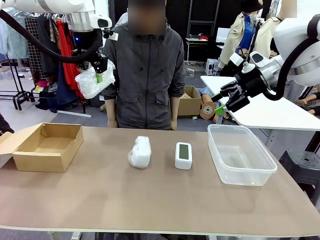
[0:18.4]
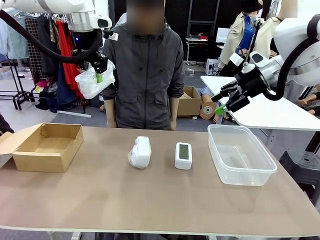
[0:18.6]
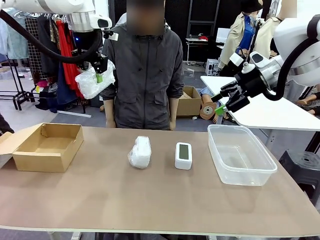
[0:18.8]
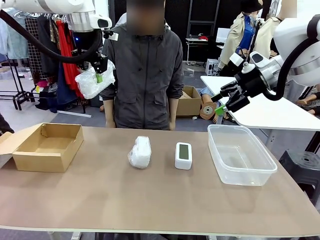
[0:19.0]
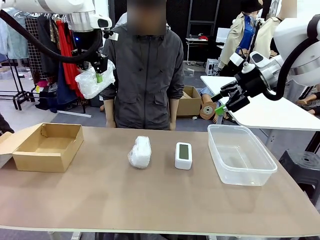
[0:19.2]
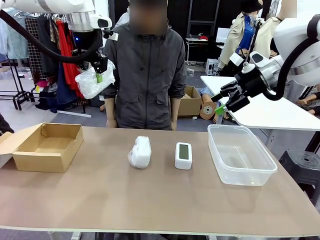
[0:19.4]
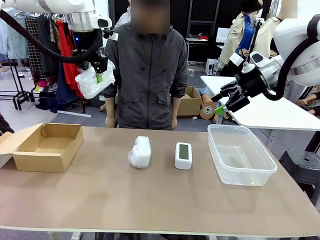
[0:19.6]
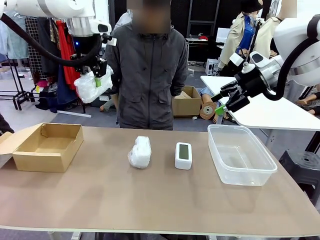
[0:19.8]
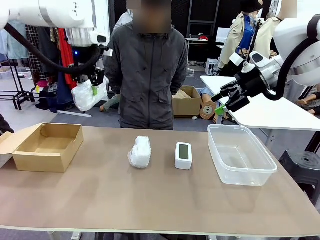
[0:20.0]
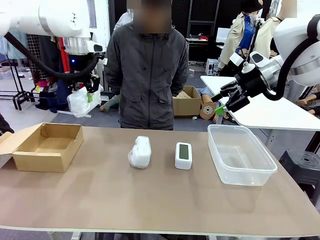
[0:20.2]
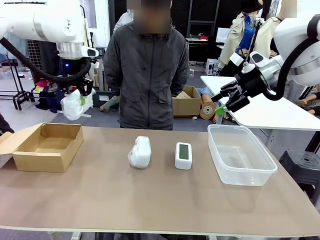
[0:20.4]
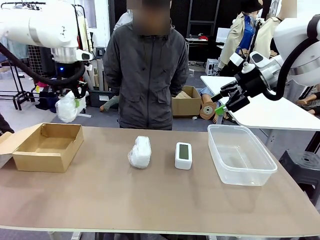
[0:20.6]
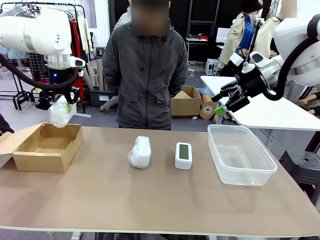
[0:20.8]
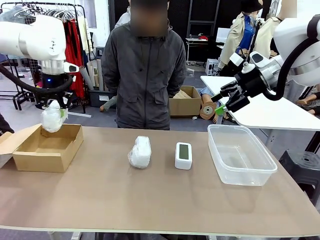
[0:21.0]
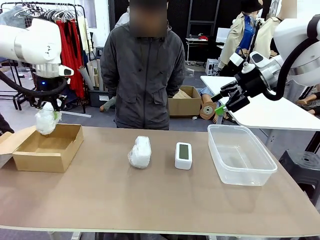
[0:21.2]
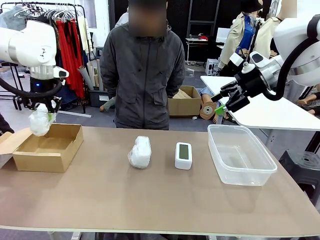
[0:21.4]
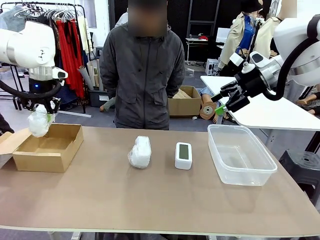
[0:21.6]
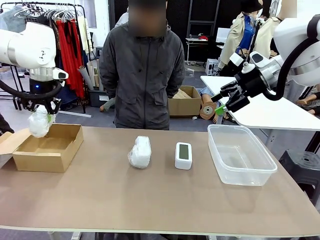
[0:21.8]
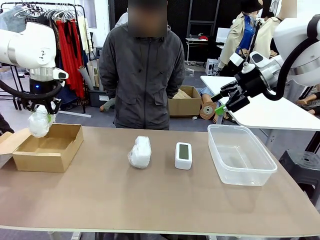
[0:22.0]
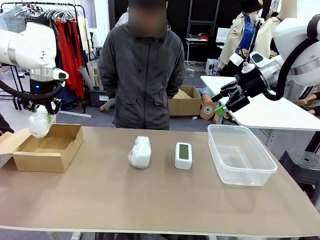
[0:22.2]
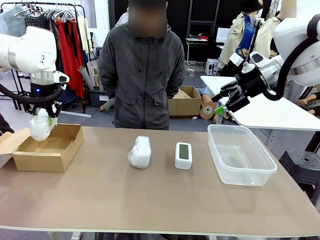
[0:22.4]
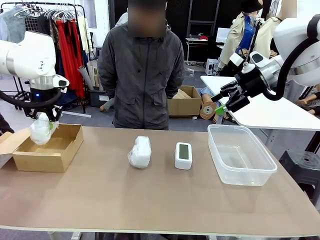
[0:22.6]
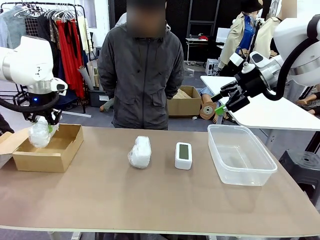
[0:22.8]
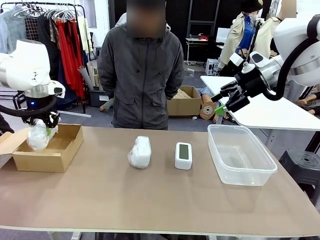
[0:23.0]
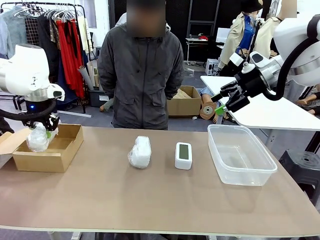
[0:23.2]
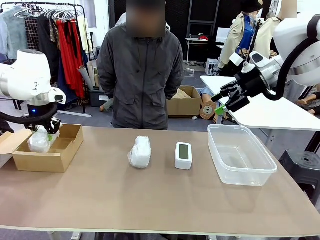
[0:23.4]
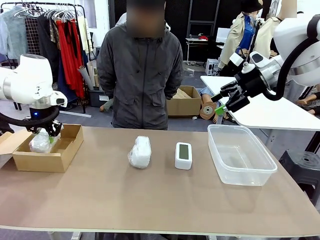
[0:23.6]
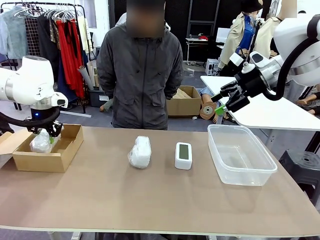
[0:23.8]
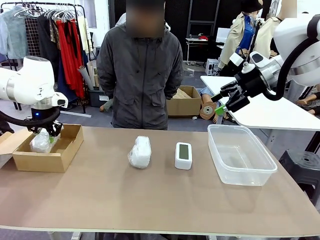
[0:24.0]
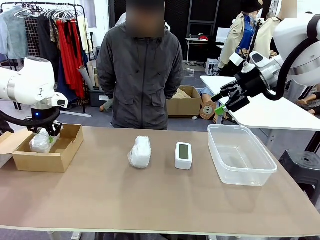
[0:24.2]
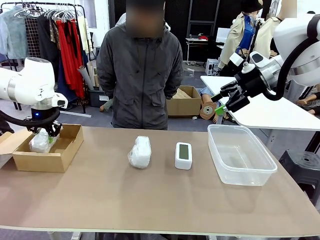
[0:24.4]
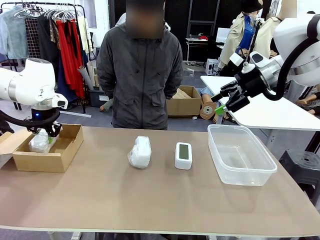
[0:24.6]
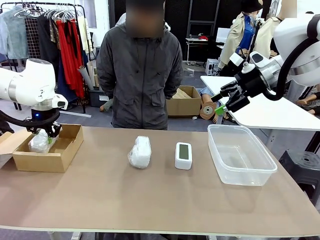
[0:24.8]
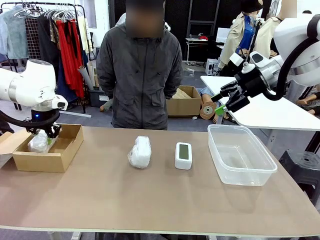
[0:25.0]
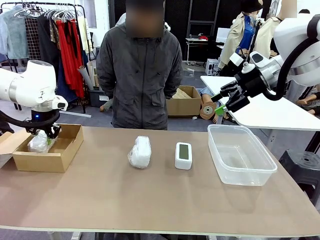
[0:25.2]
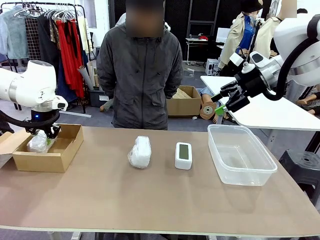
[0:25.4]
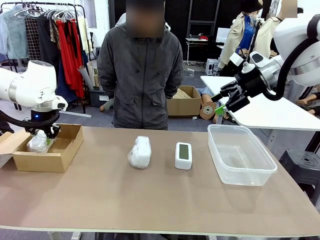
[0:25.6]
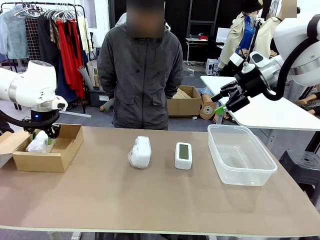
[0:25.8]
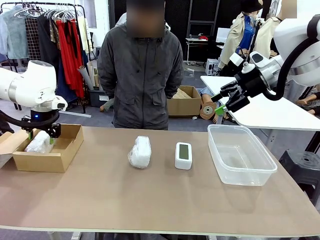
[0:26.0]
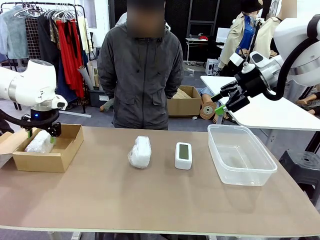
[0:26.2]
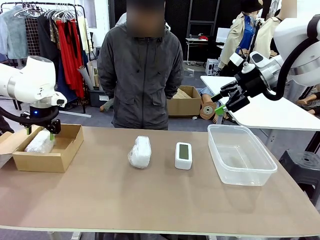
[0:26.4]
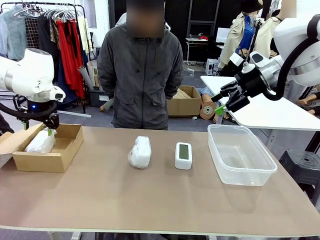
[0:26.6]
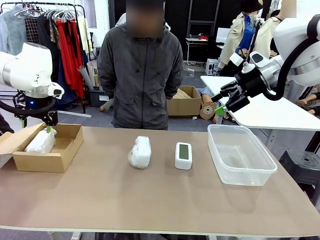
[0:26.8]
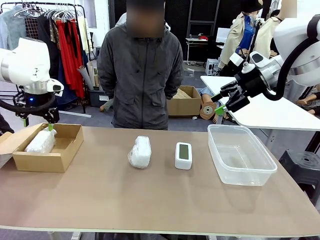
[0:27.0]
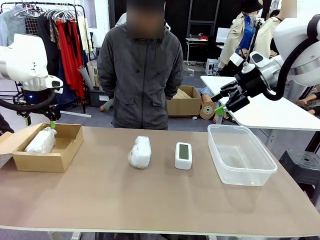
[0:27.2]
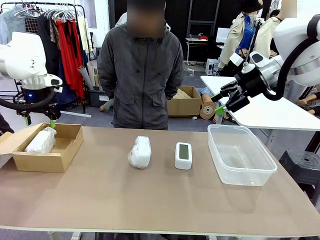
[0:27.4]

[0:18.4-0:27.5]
Task: Separate and place wrapped and unwrapped clocks.
Robot: If the picked Digital clock is wrapped, place it in the Package Box ; if not, place it in the Organizing box.

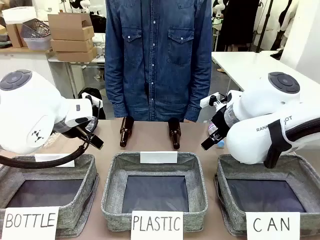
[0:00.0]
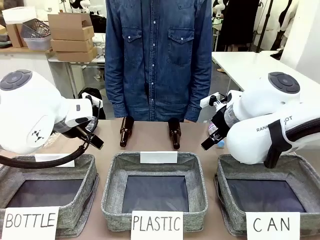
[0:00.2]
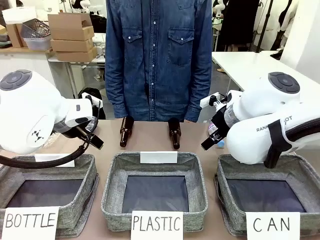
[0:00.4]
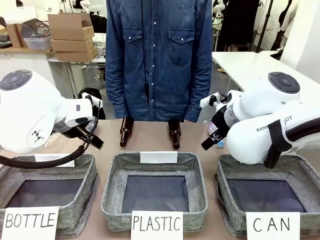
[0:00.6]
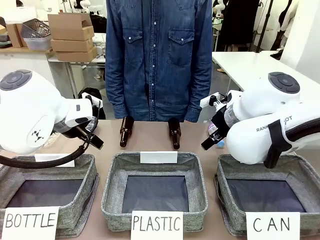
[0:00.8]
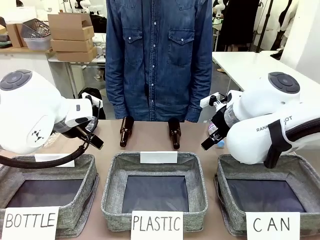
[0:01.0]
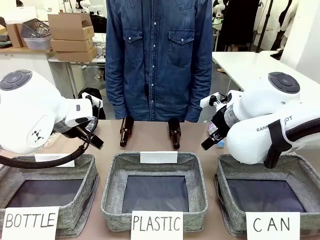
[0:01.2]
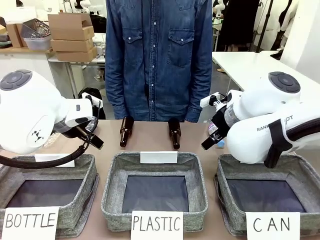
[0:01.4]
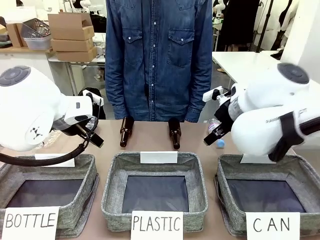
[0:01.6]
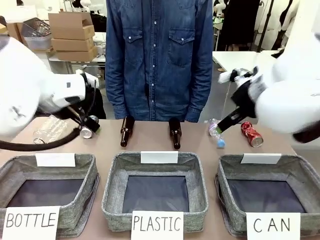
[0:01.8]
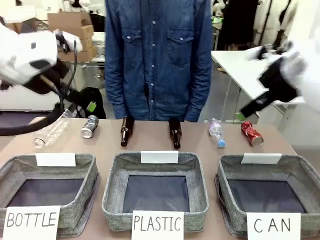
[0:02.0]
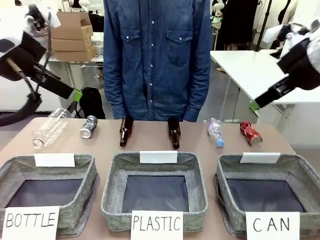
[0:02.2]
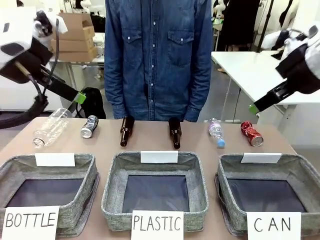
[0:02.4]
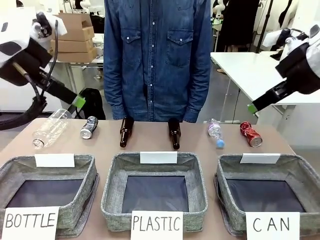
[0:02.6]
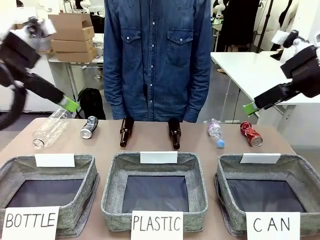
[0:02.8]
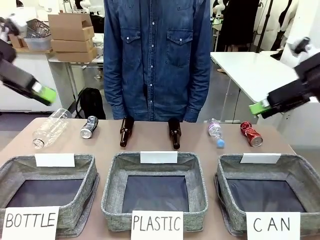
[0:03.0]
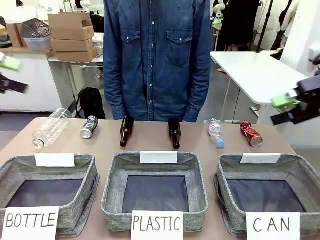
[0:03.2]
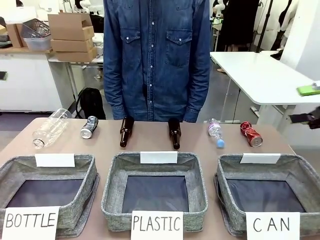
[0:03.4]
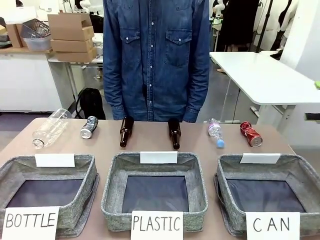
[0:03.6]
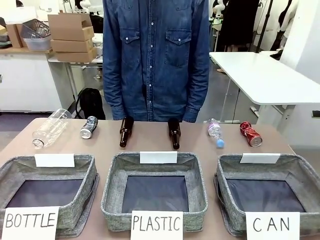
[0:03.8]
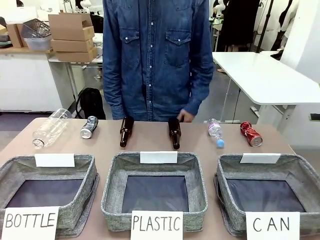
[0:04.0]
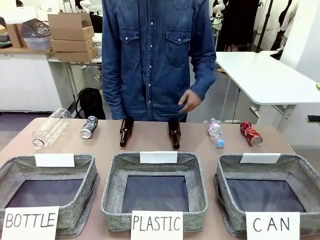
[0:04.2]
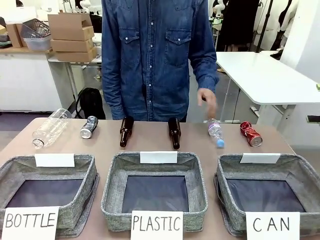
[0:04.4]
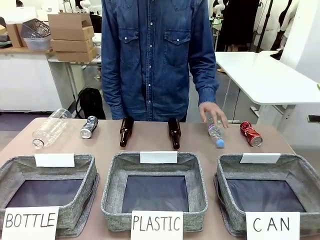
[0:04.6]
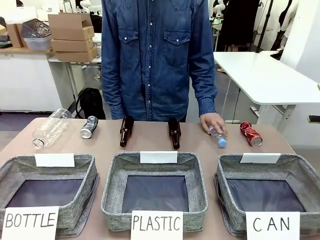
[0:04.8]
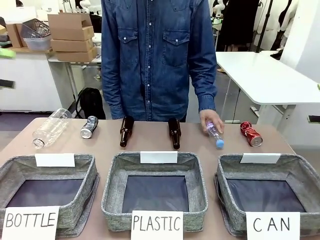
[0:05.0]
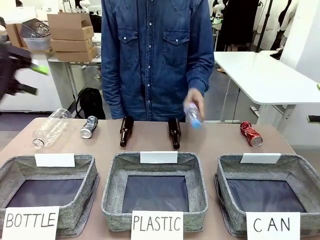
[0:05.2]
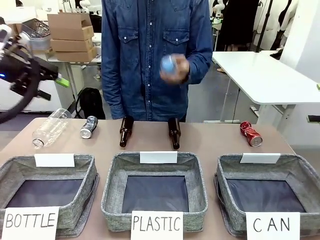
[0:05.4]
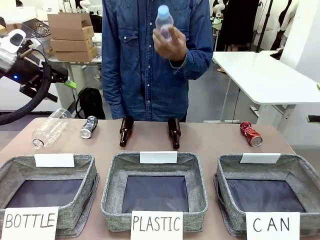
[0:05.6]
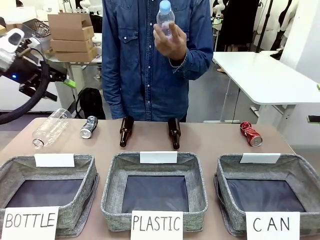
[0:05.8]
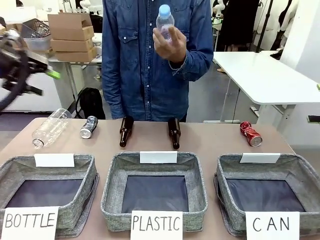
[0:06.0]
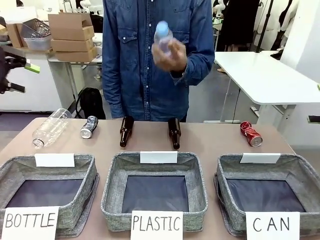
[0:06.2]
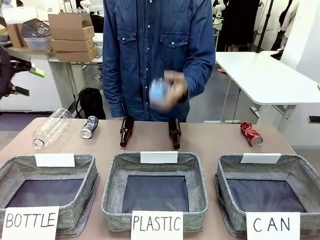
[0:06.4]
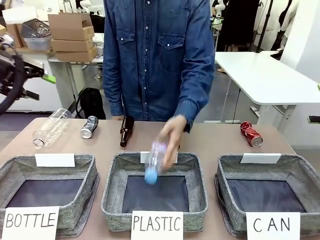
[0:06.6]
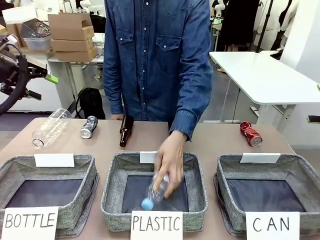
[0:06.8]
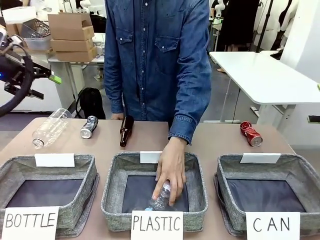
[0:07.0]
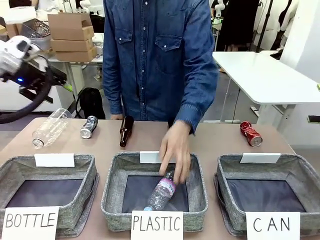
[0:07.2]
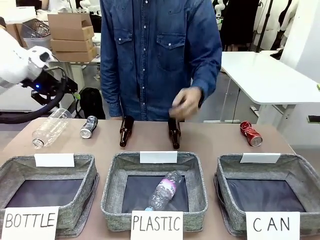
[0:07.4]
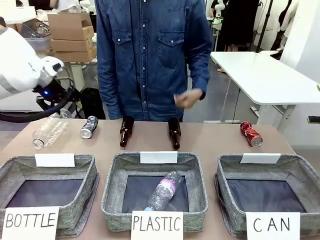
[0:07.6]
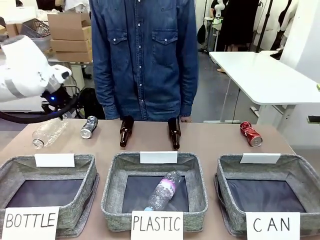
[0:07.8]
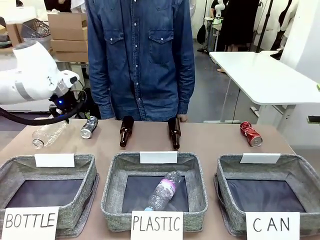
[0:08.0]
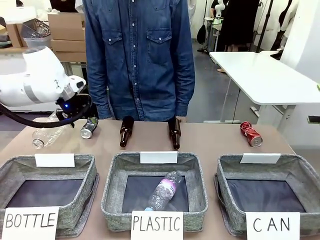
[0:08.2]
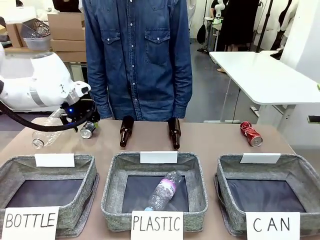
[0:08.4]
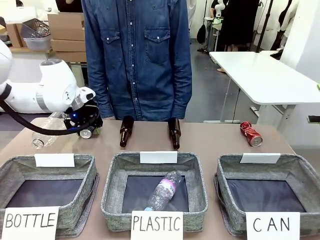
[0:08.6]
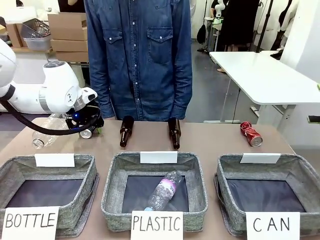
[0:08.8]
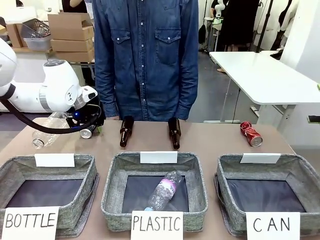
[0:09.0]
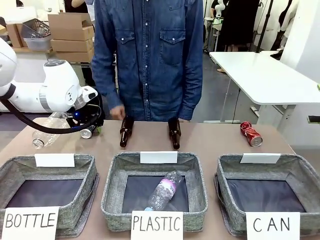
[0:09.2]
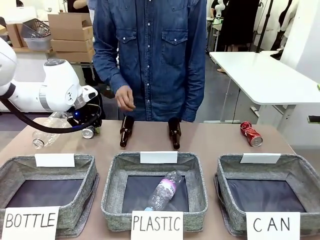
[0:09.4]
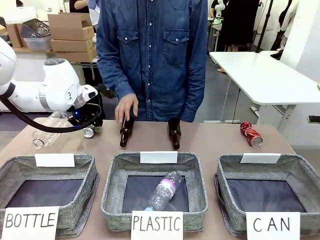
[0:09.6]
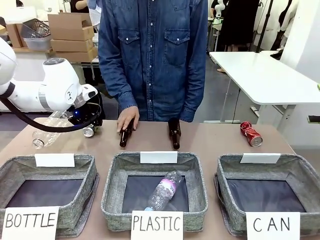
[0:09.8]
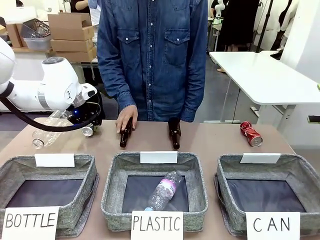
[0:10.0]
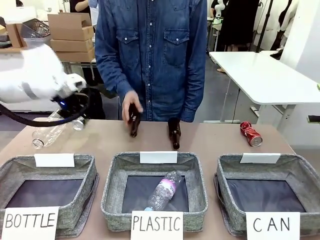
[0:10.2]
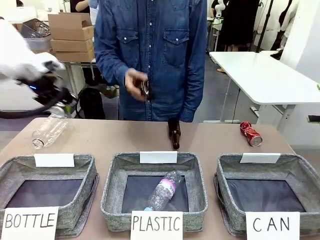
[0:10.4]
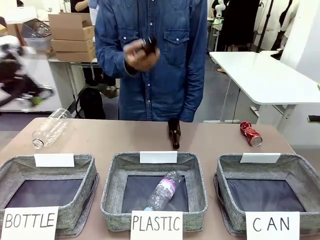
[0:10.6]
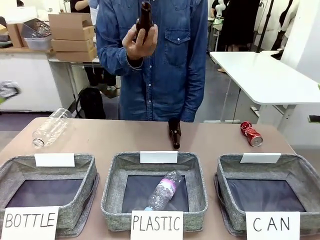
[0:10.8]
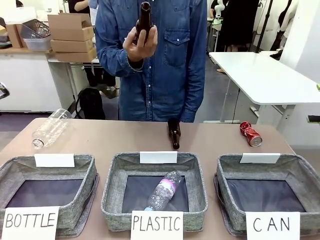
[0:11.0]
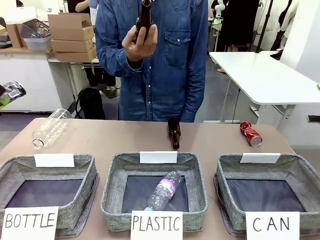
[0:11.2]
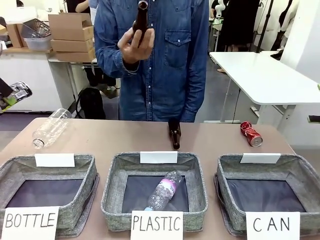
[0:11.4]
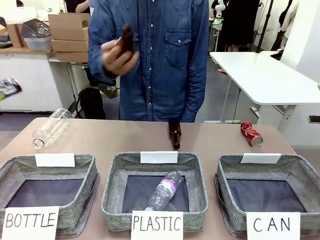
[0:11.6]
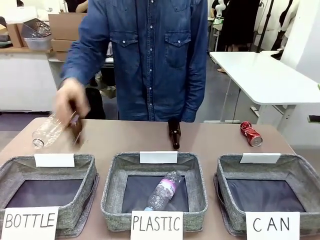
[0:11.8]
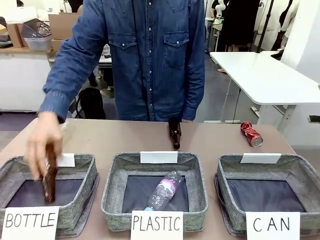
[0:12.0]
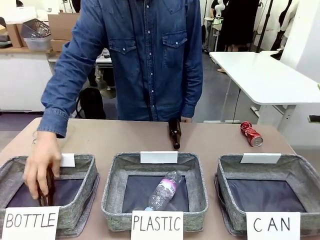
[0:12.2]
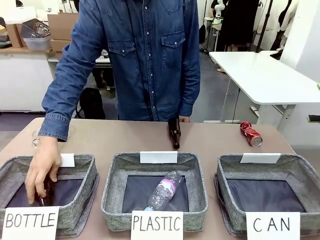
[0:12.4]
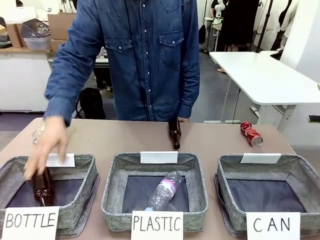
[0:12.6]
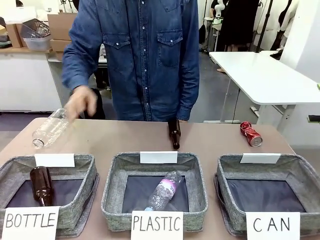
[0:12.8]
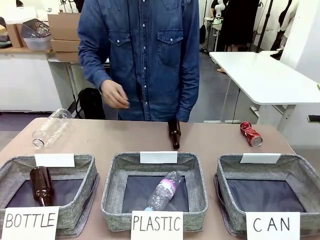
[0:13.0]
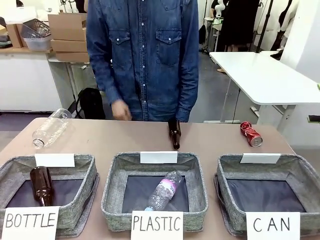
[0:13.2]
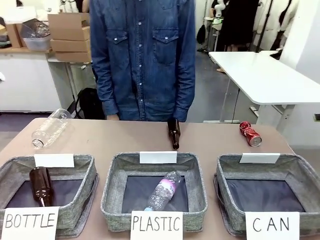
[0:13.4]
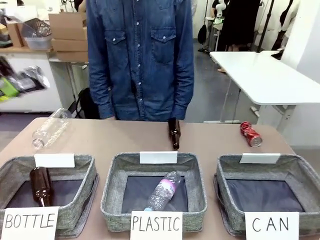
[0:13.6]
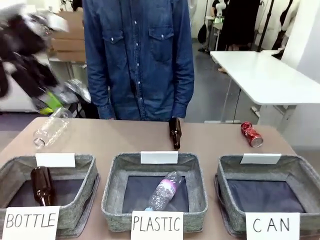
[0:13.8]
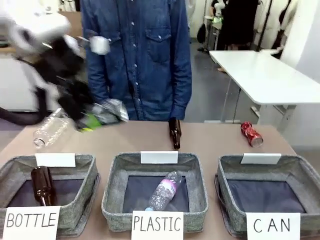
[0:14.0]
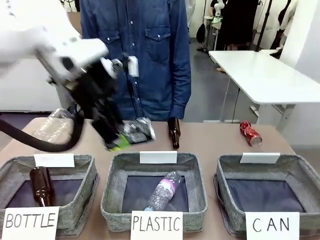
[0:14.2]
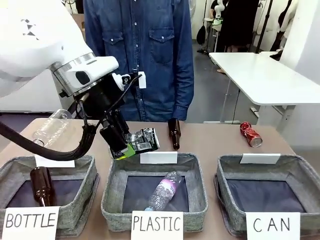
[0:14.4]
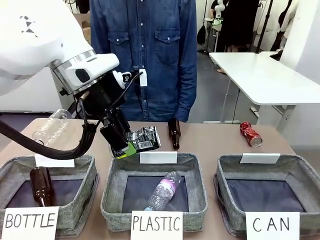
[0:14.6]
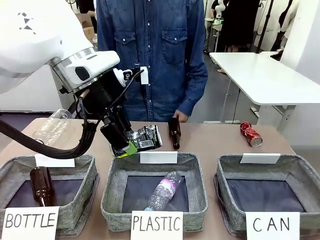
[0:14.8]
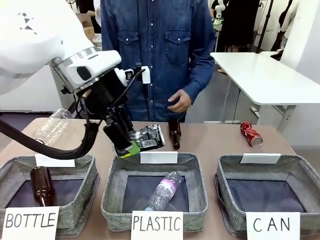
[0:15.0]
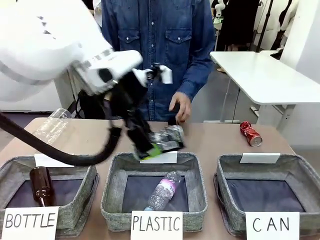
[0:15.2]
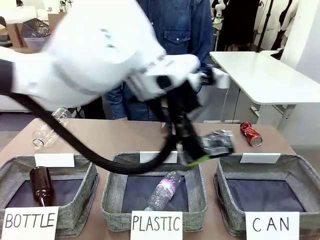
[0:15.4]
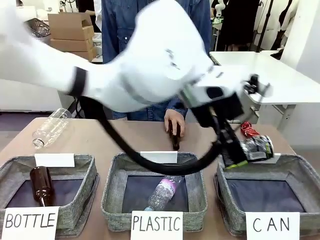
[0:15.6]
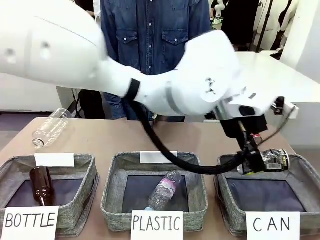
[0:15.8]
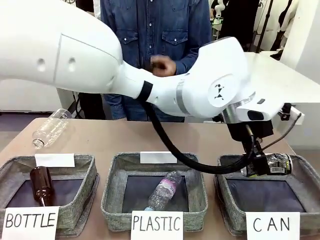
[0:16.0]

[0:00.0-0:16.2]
Task: Sort the can waste into the basket.
Robot: Pick up the can waste from the table and place it in the right Fabric basket.
